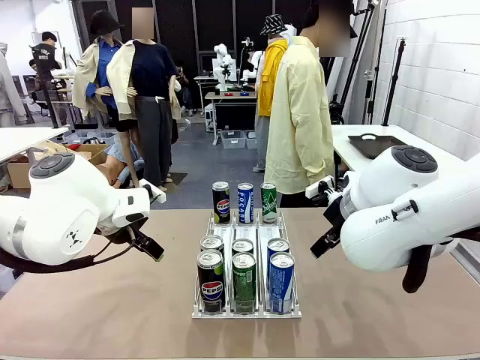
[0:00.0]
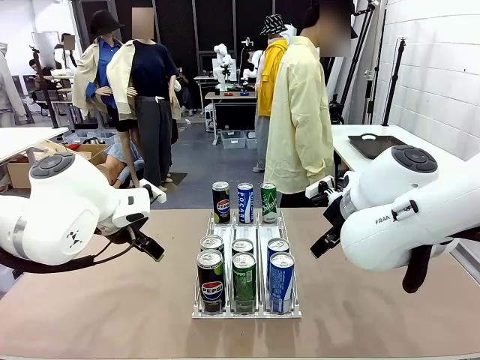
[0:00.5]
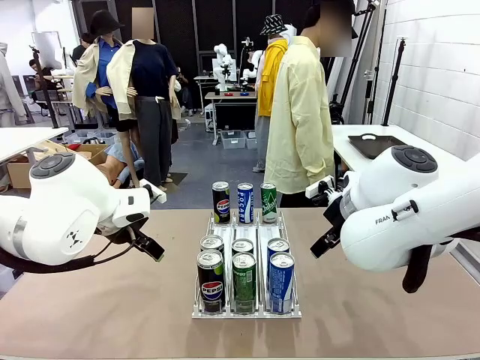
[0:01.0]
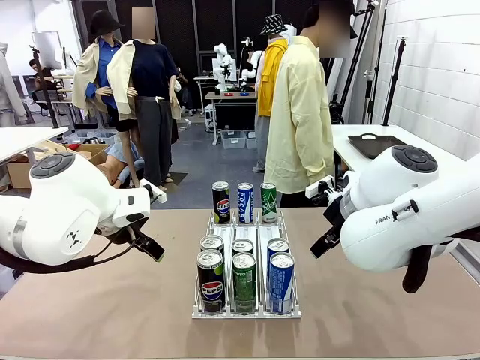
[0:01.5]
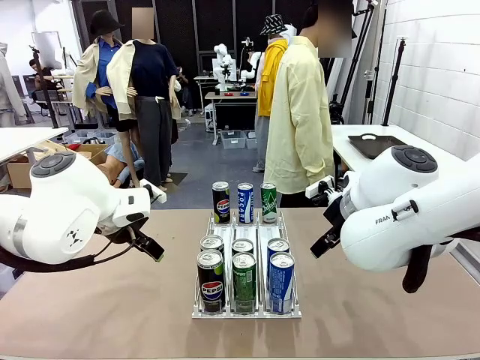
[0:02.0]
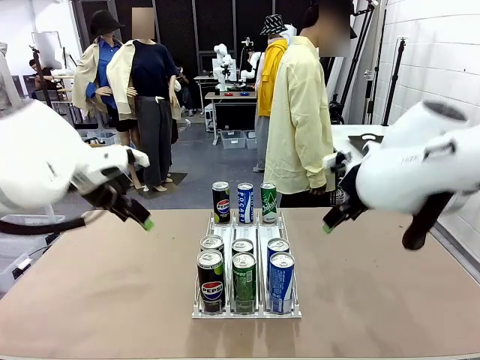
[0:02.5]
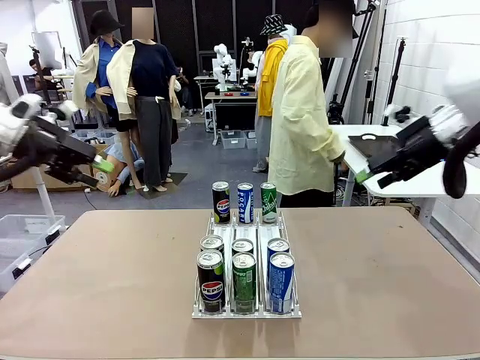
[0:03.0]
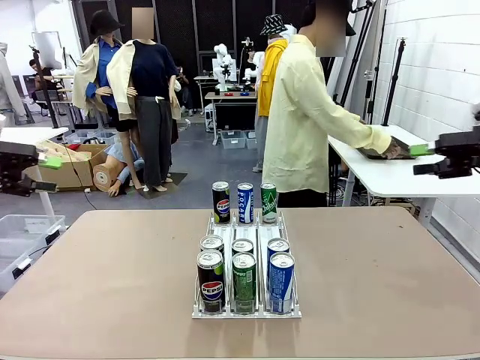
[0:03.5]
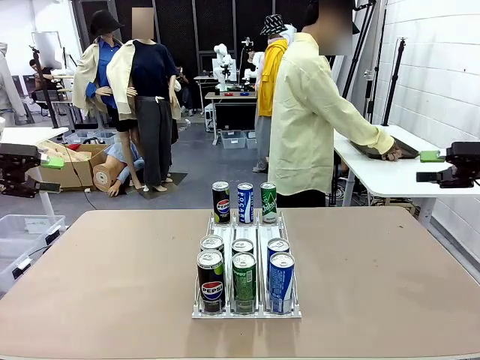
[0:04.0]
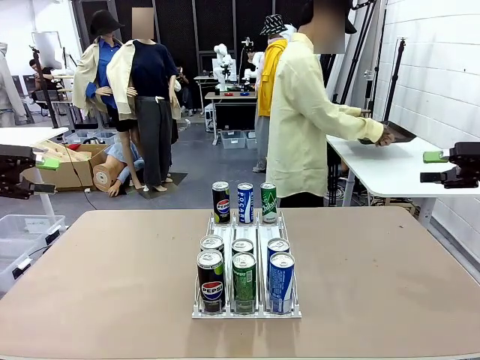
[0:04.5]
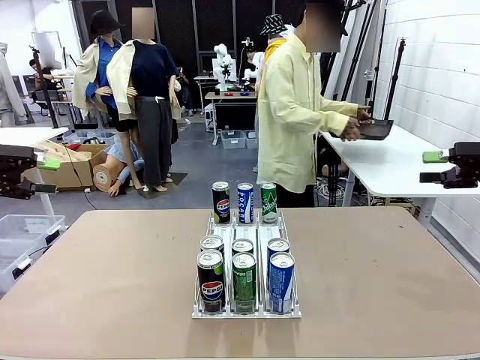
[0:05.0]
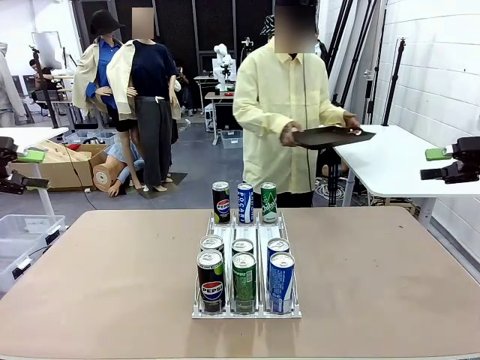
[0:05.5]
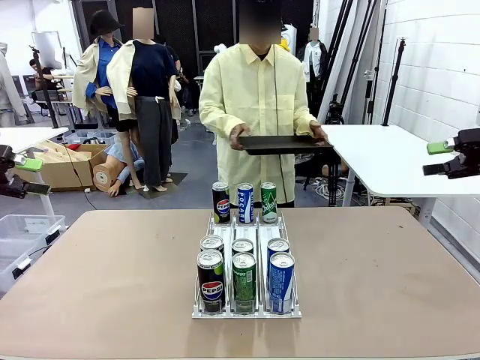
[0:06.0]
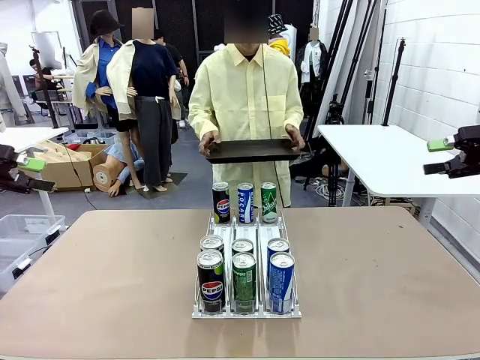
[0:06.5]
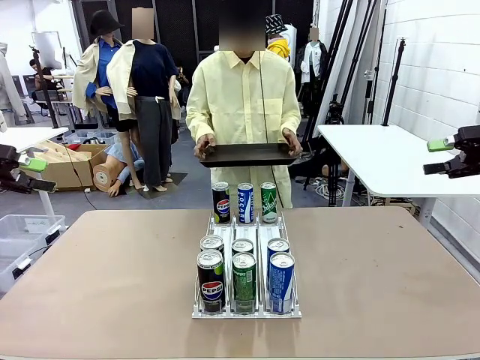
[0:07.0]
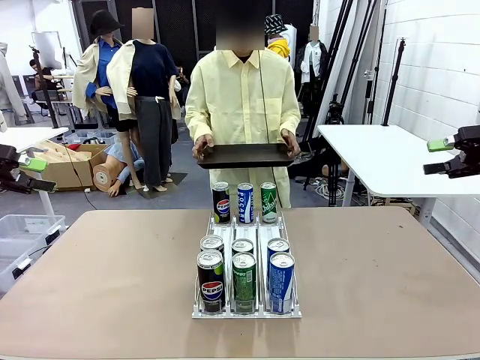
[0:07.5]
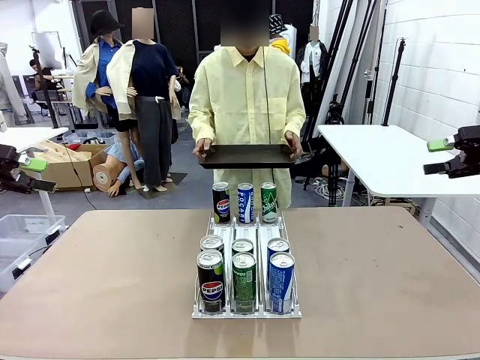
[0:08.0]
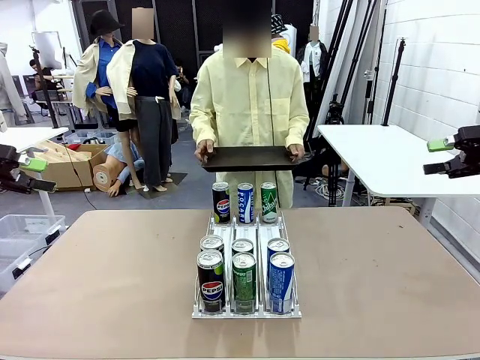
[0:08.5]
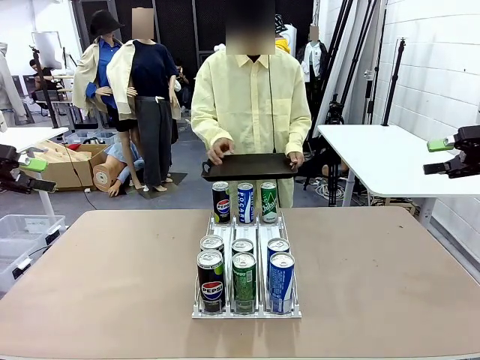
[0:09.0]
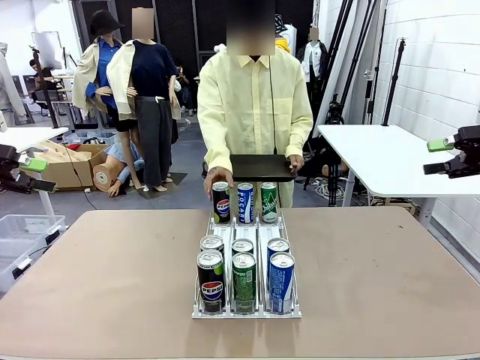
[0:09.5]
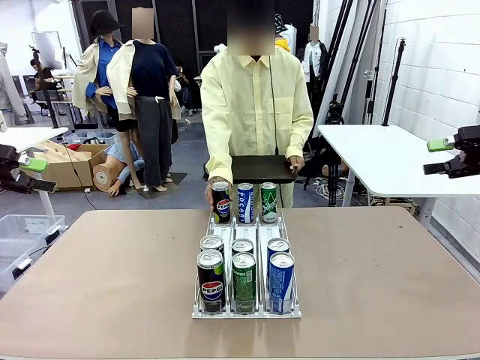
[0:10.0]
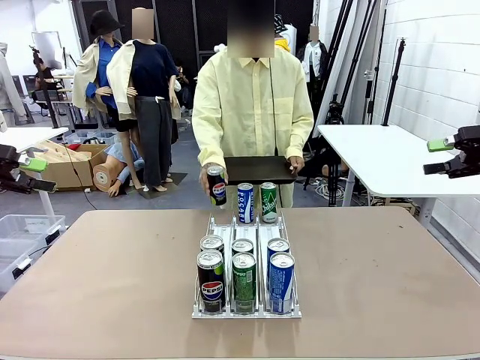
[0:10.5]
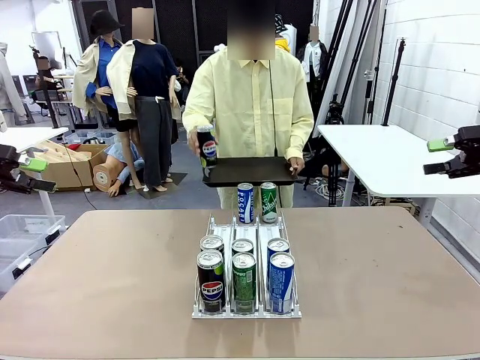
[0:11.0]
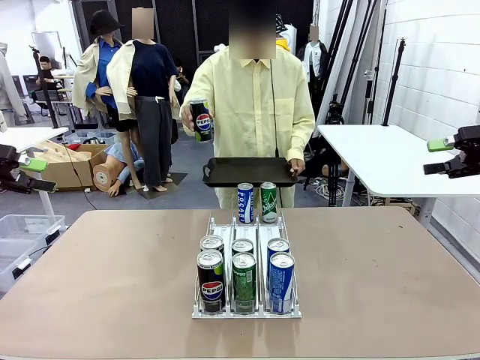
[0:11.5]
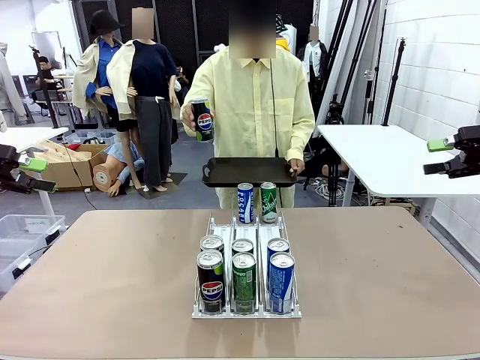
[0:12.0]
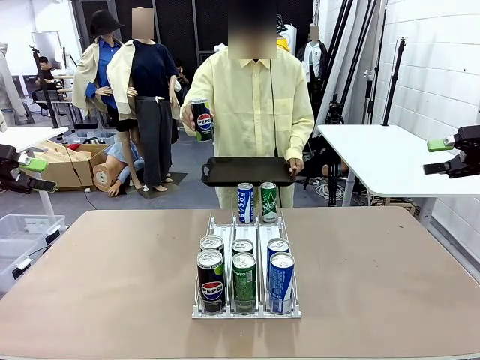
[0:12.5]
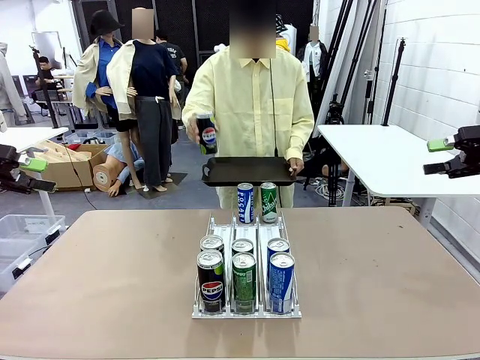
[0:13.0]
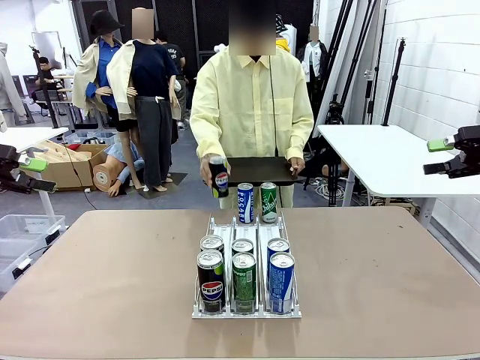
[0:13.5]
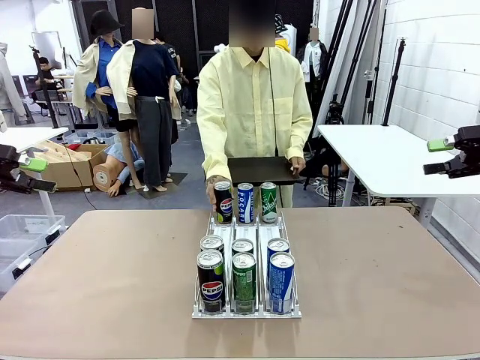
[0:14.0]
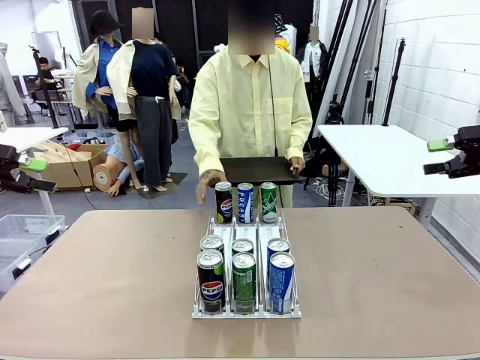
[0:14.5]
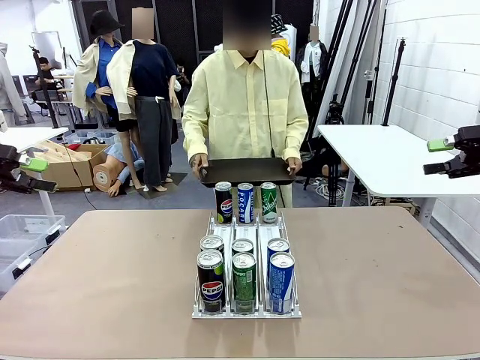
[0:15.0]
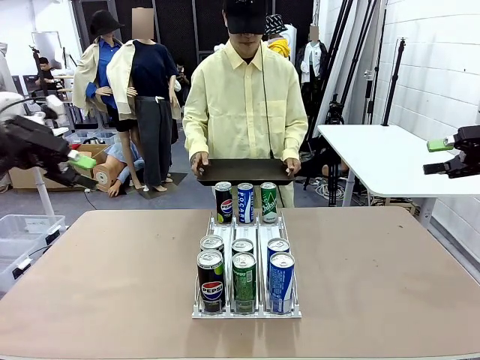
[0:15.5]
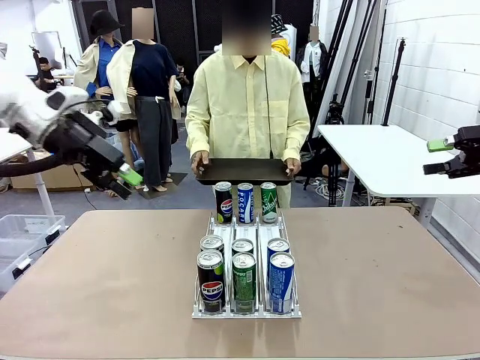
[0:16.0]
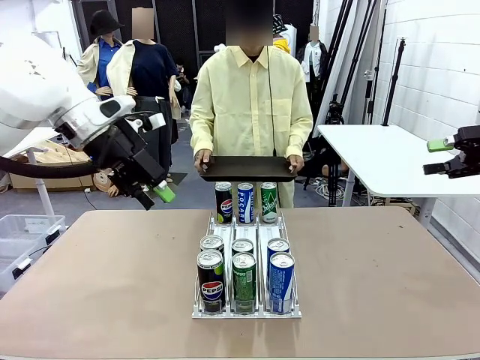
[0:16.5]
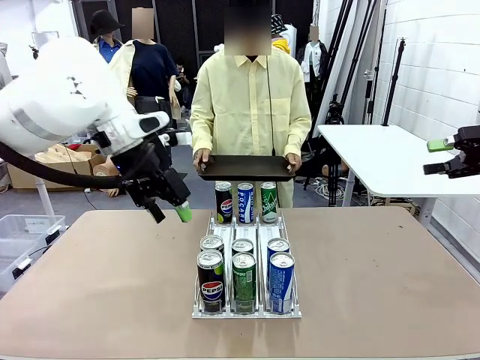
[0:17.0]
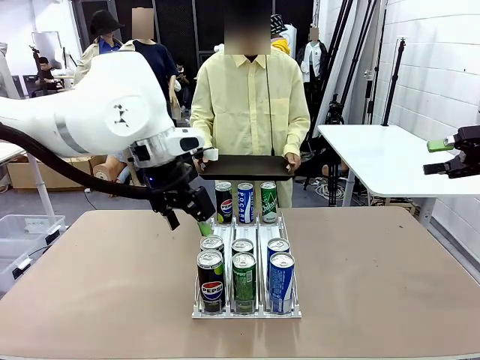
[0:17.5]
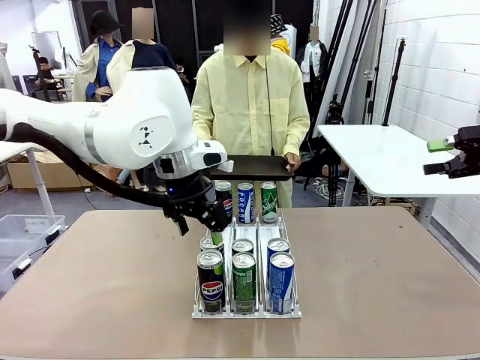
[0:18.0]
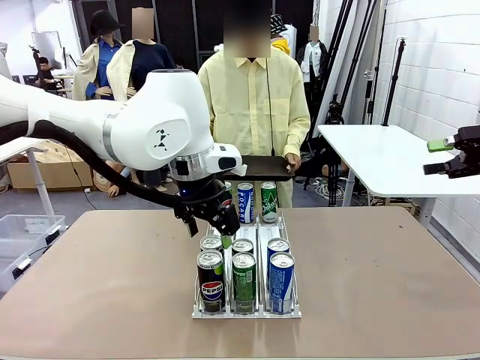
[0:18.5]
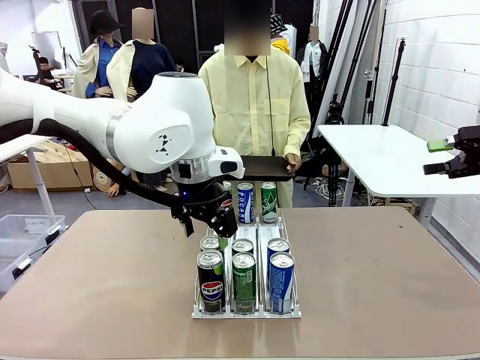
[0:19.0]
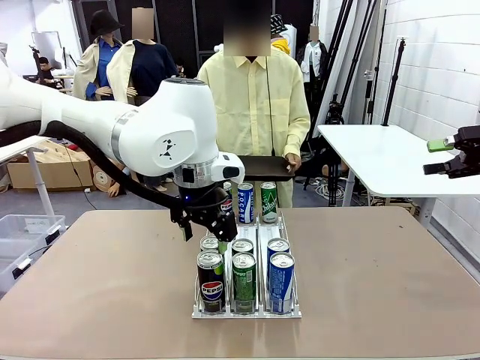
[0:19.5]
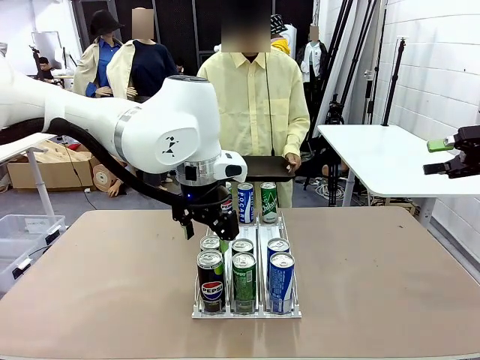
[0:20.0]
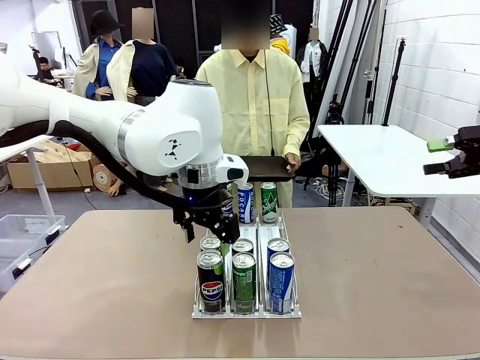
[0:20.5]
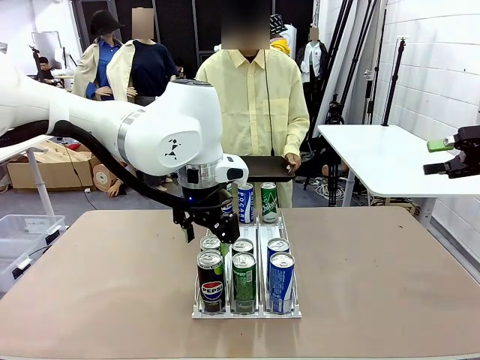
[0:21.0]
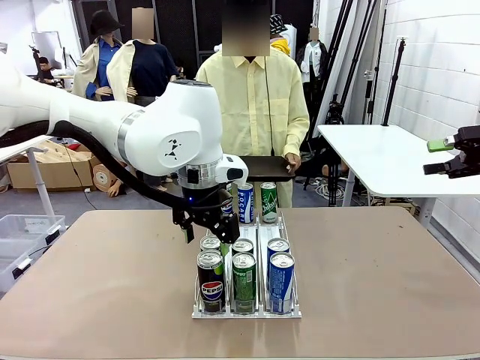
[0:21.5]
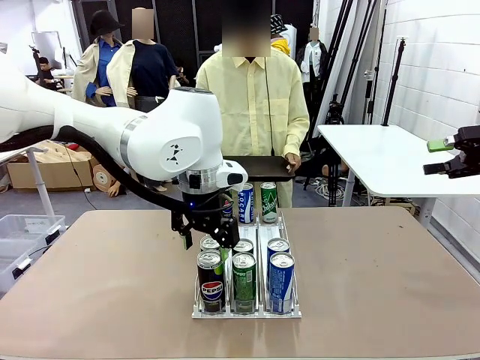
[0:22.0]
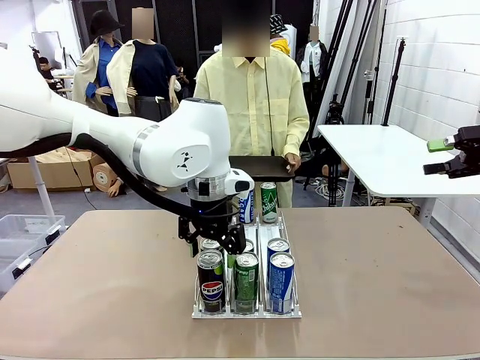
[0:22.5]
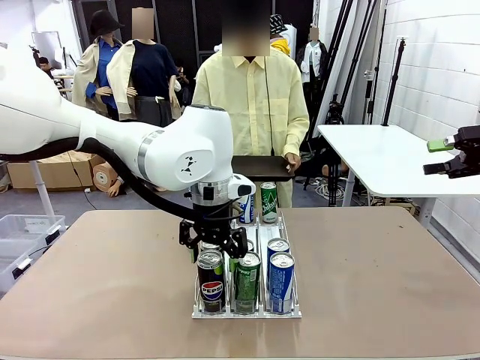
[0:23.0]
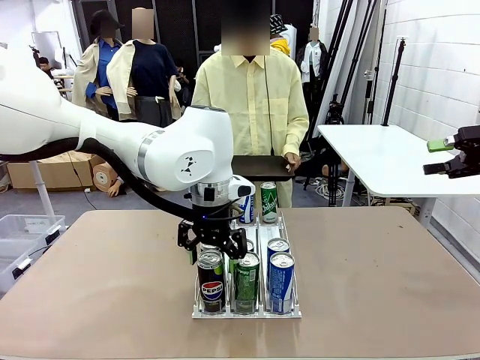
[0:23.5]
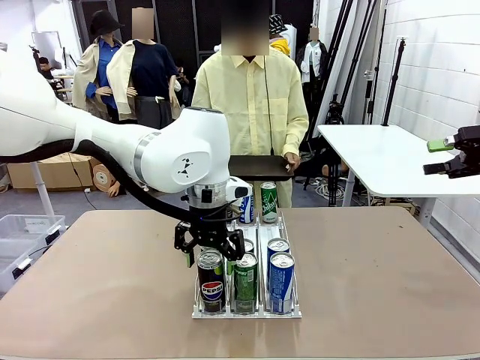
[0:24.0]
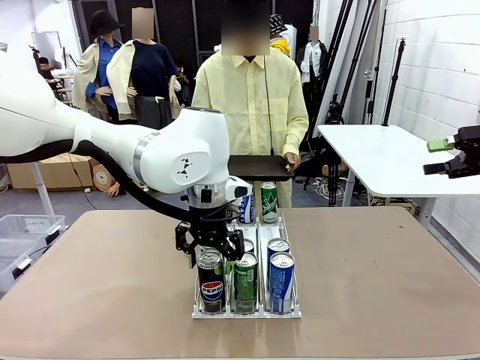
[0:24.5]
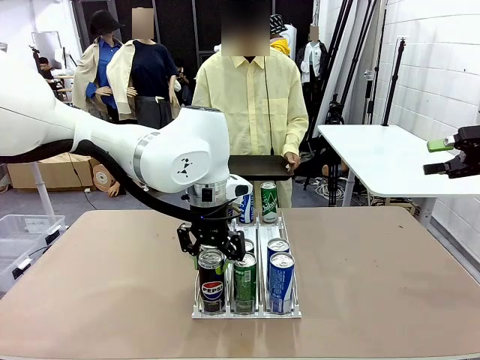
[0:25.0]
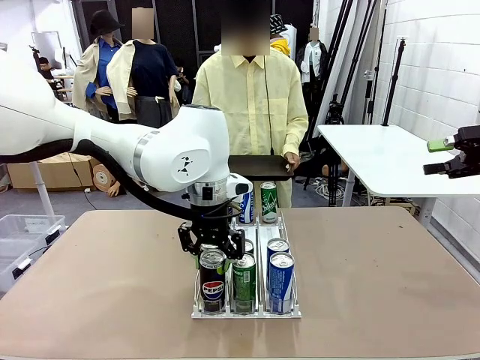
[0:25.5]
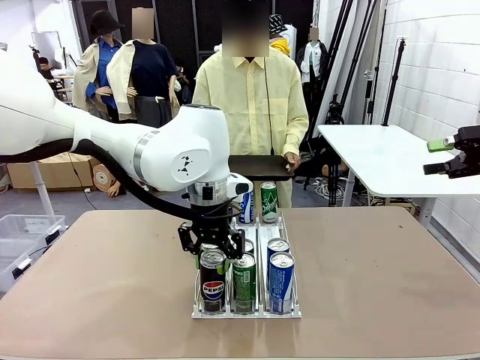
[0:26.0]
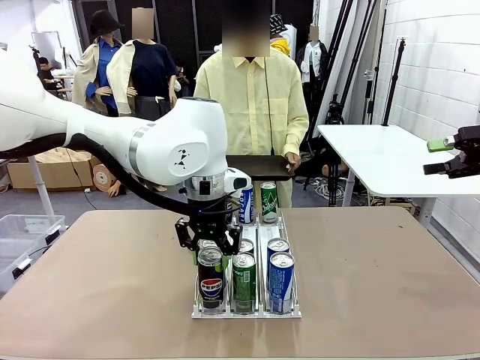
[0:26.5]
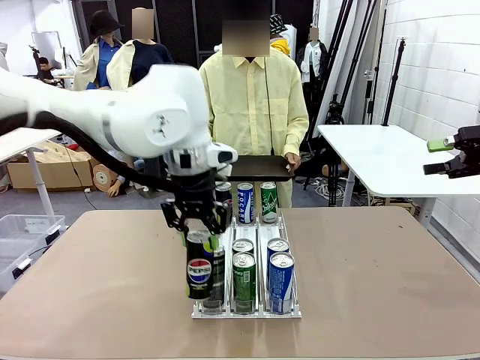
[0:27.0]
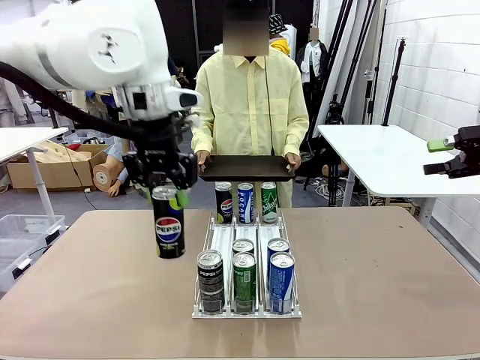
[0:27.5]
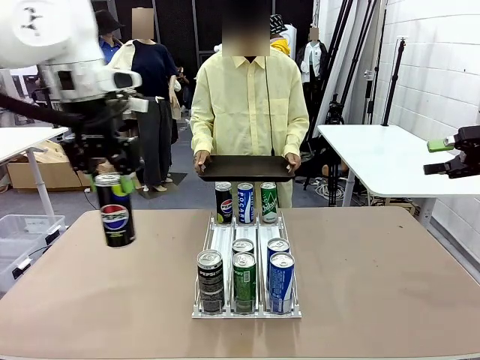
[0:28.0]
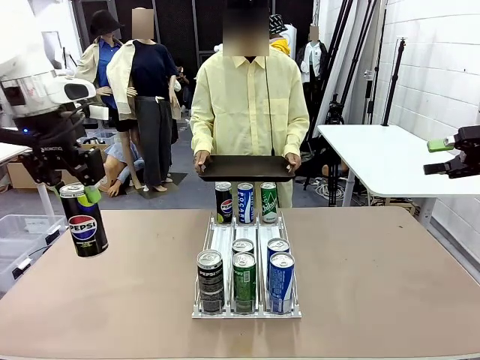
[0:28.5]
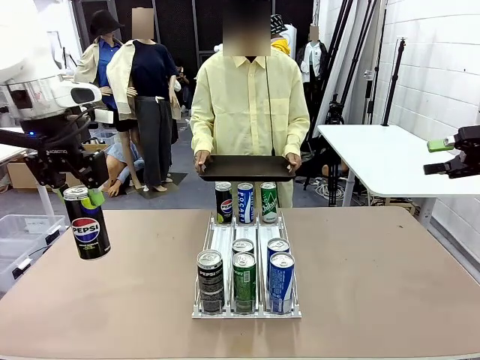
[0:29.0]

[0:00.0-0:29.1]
Task: Retrieve and hand over the desired beverage to the person.
Robot: Pick up a can of the same type that the person held from the Automatic Can Dispenser.
Person: Hold the tray and position yourself in front of the robot table. Pick up one can from the bottom area of the table and puts it back in its original place. Push the tray toward the robot.
